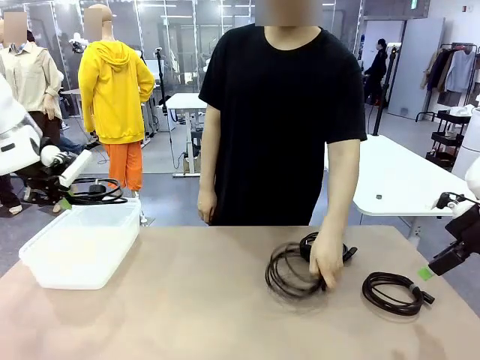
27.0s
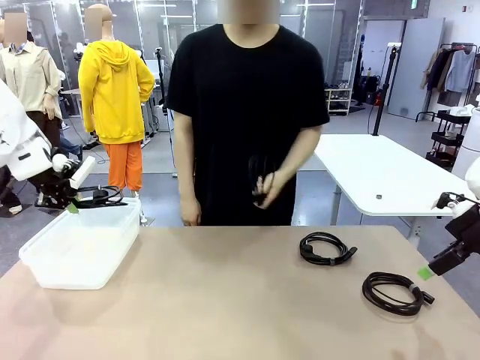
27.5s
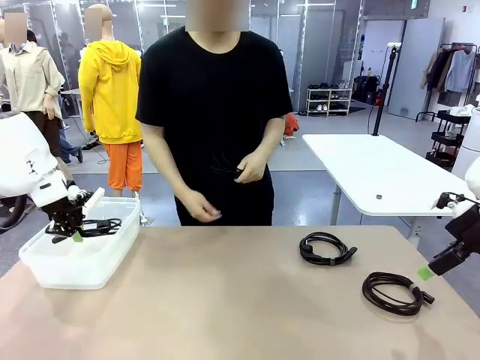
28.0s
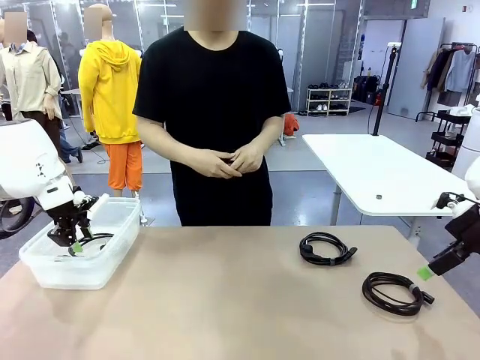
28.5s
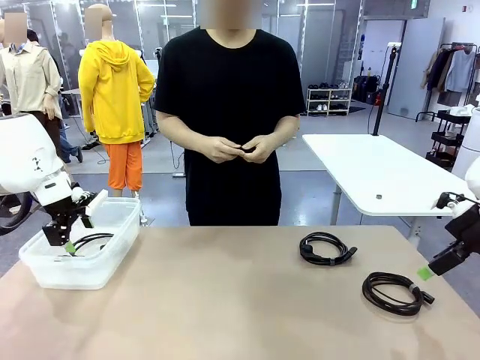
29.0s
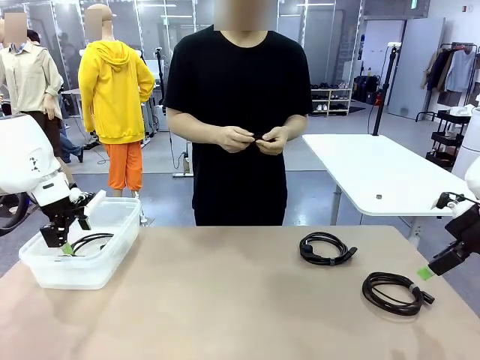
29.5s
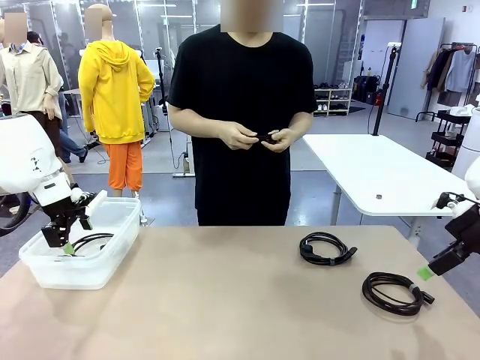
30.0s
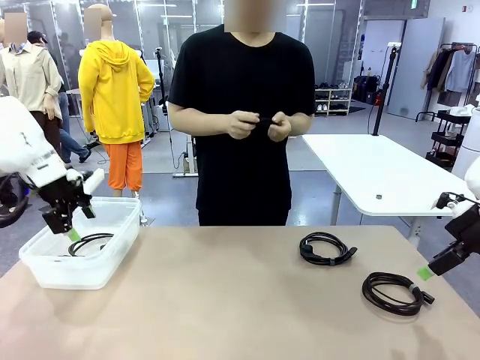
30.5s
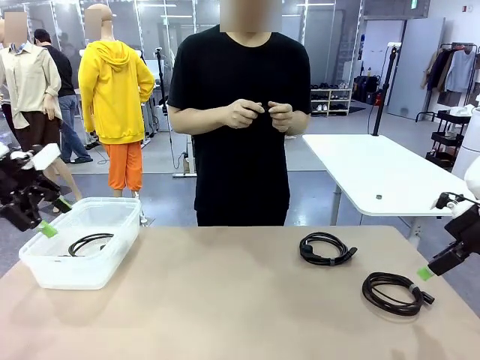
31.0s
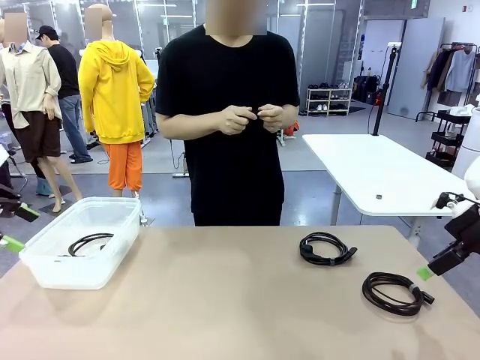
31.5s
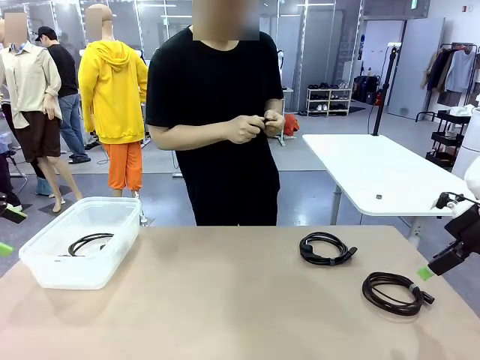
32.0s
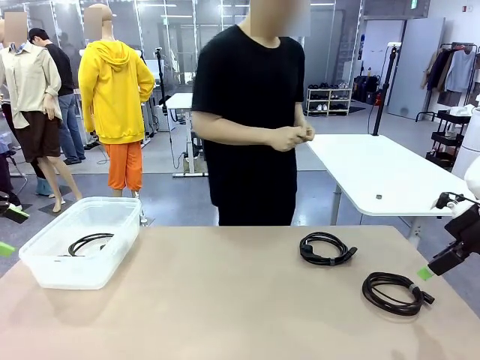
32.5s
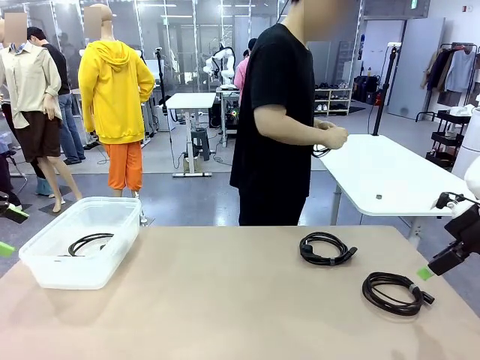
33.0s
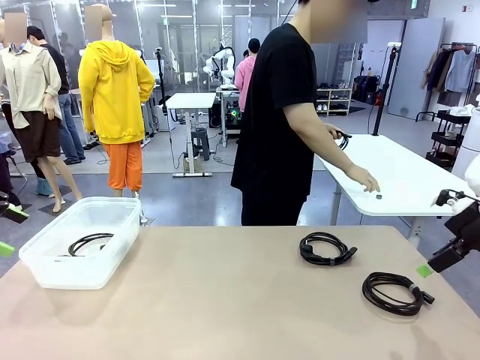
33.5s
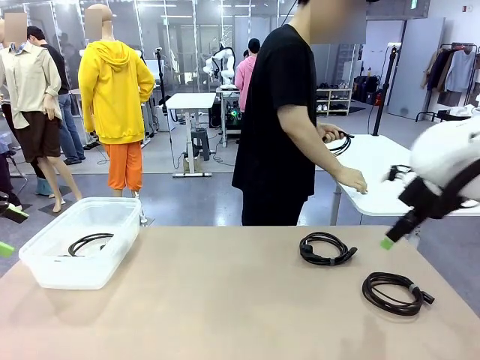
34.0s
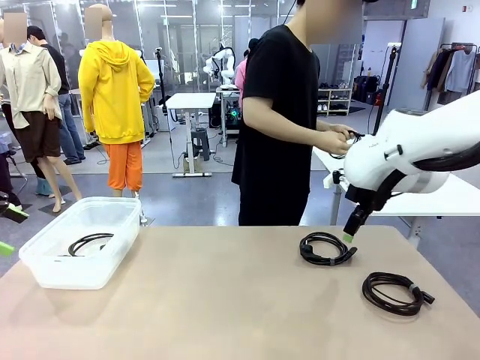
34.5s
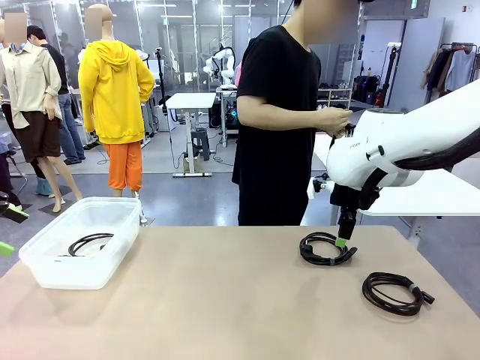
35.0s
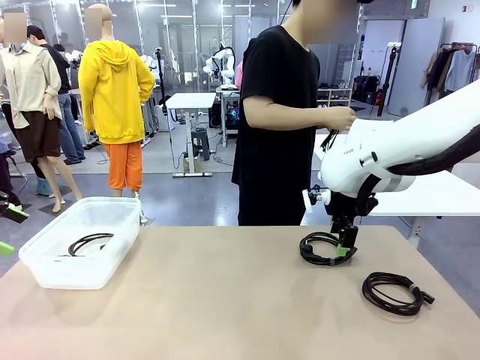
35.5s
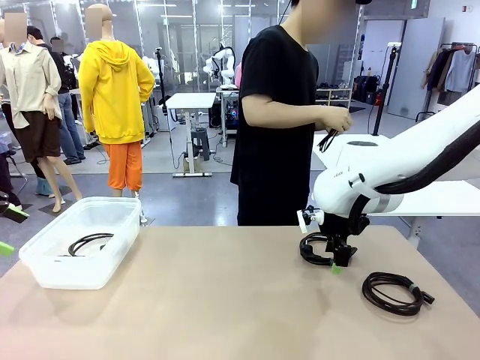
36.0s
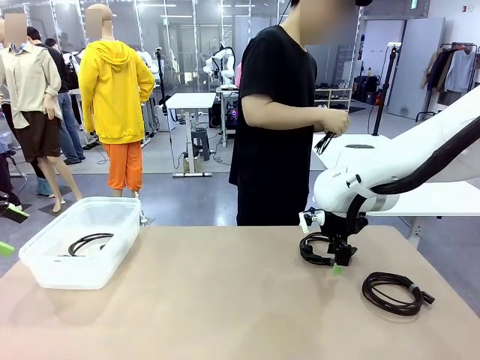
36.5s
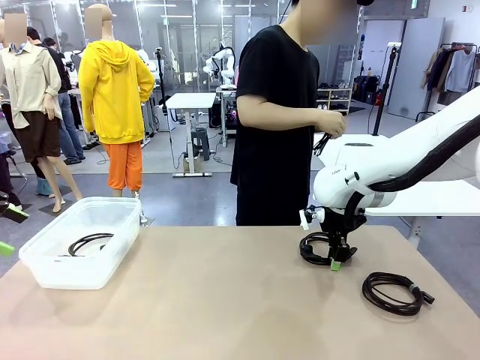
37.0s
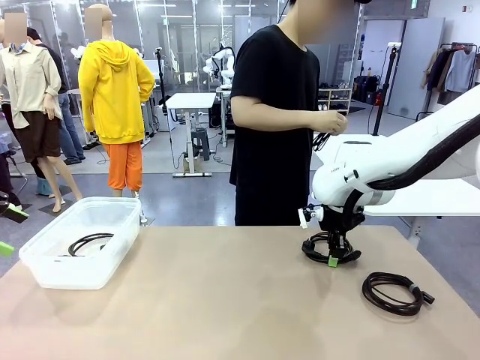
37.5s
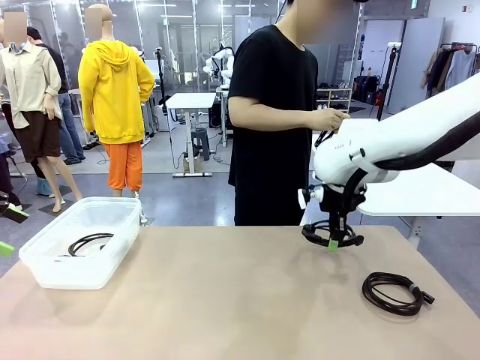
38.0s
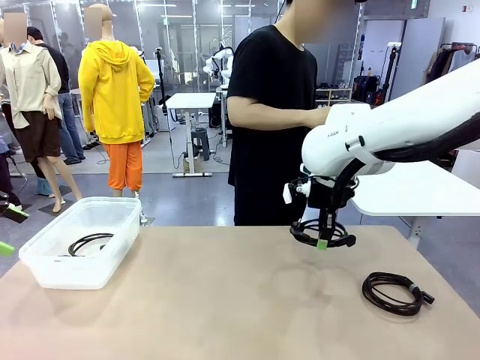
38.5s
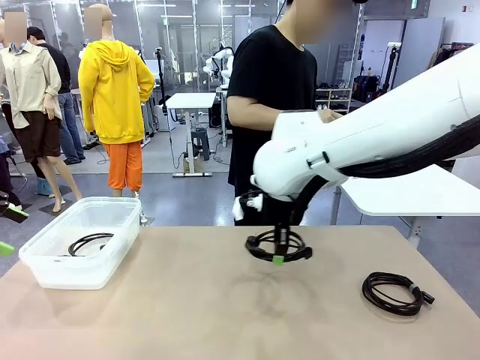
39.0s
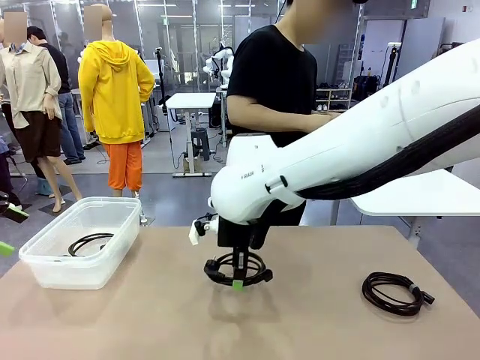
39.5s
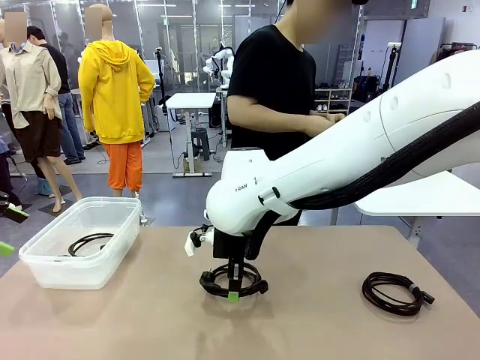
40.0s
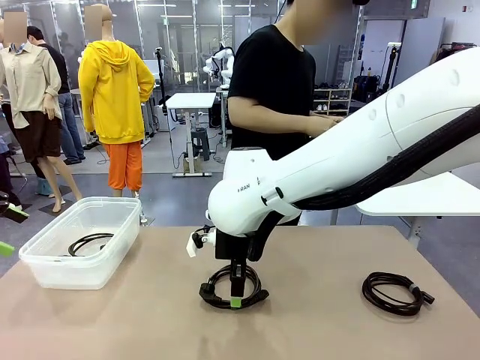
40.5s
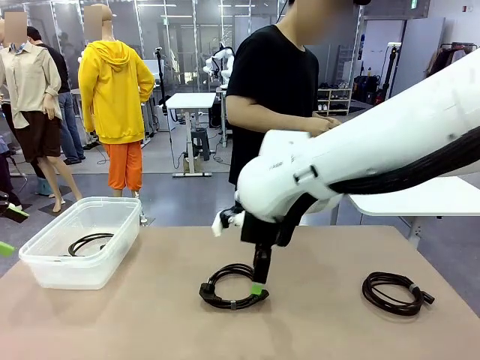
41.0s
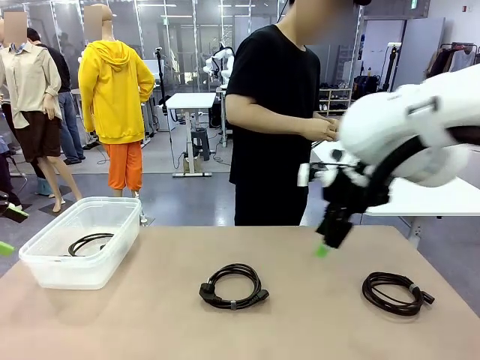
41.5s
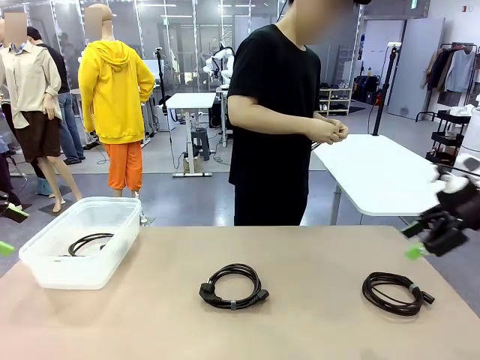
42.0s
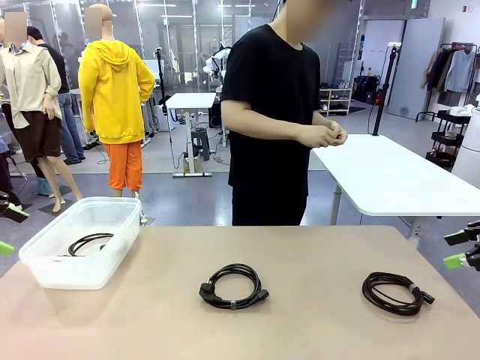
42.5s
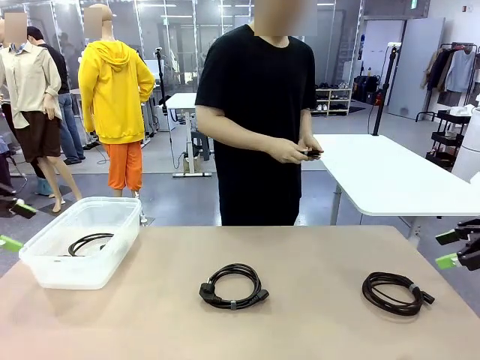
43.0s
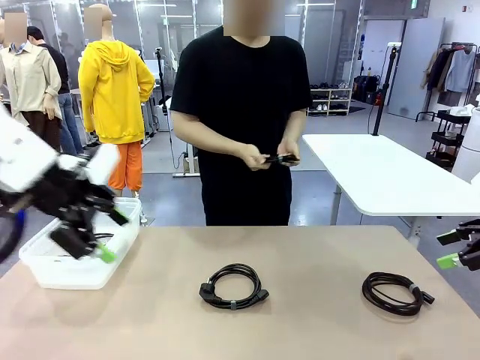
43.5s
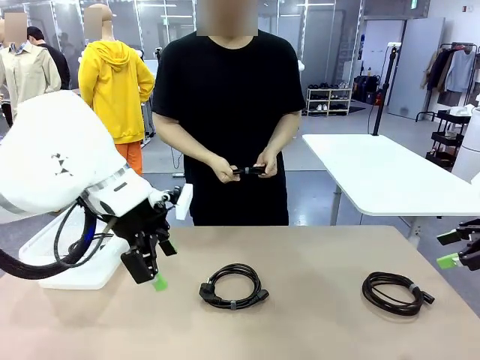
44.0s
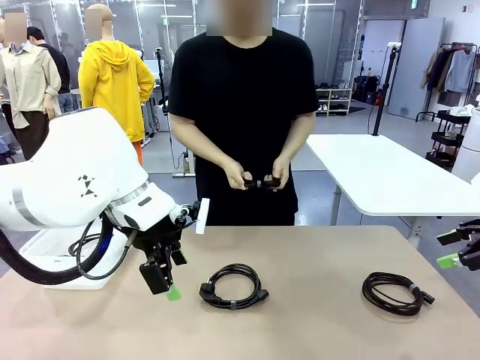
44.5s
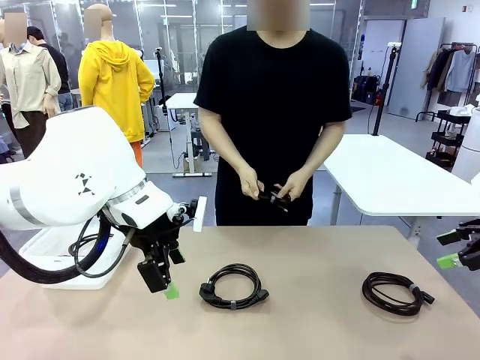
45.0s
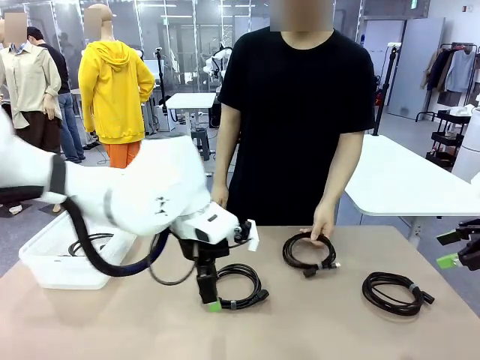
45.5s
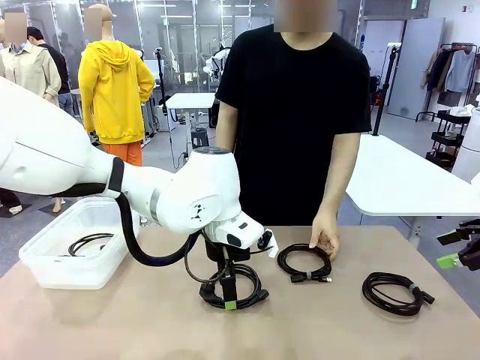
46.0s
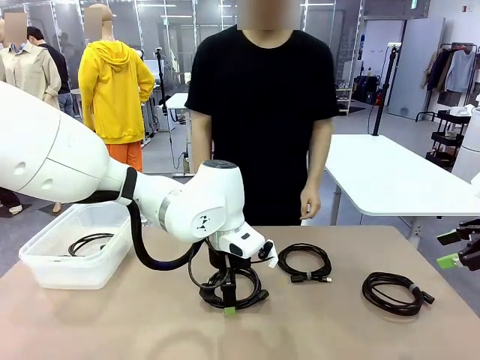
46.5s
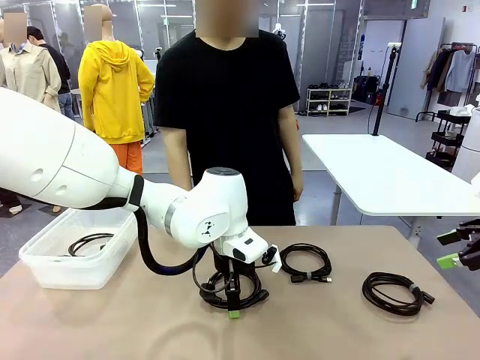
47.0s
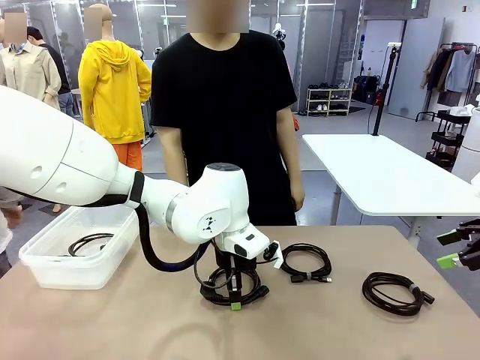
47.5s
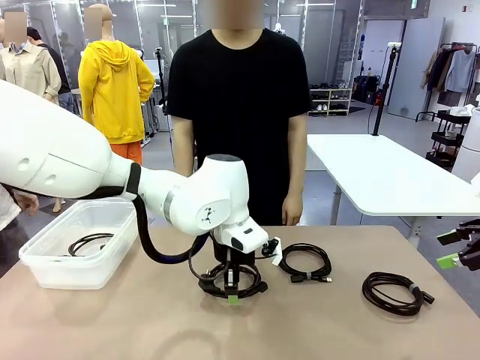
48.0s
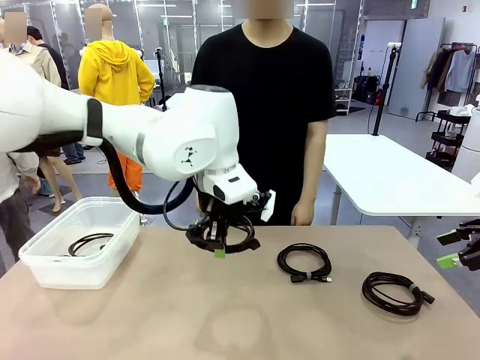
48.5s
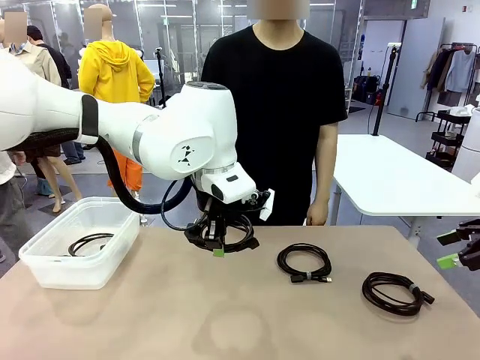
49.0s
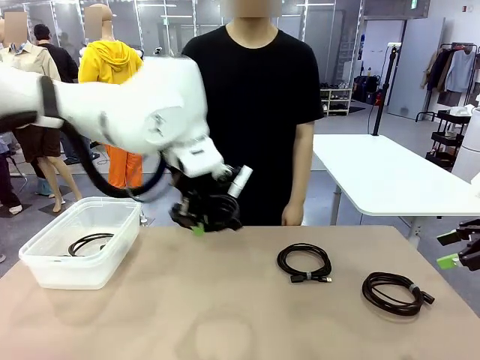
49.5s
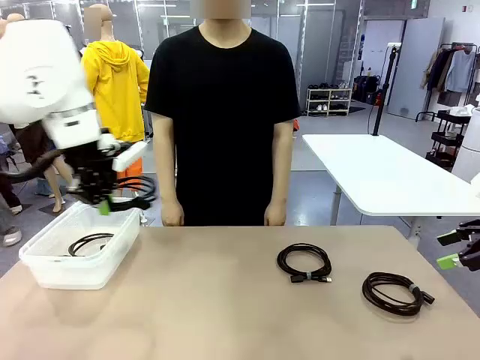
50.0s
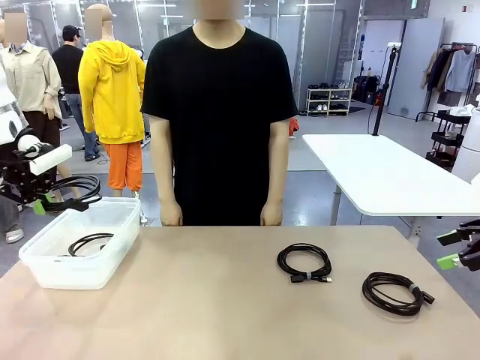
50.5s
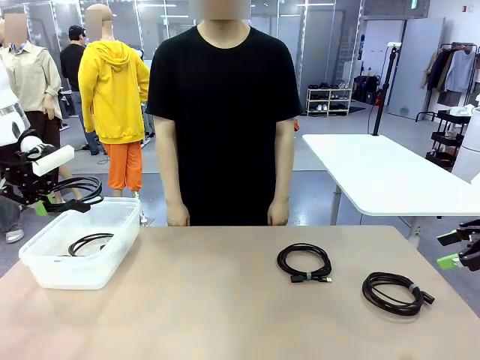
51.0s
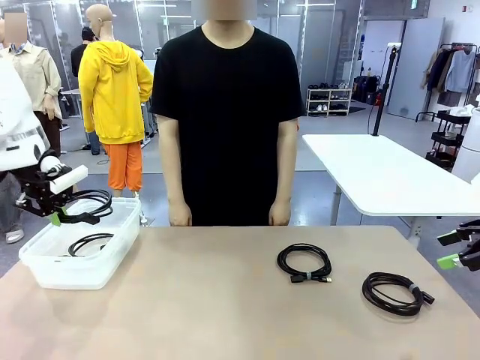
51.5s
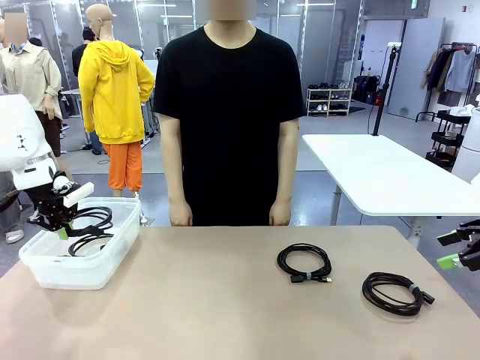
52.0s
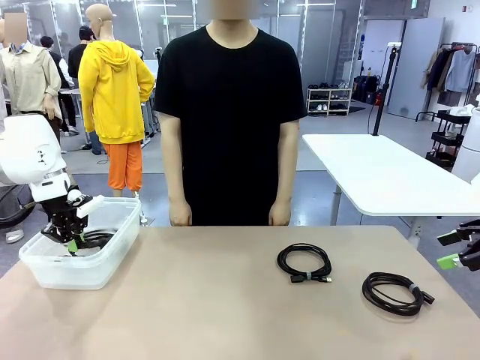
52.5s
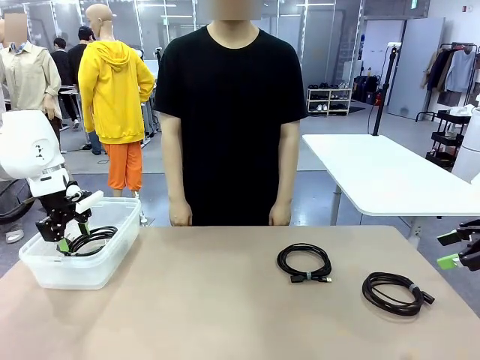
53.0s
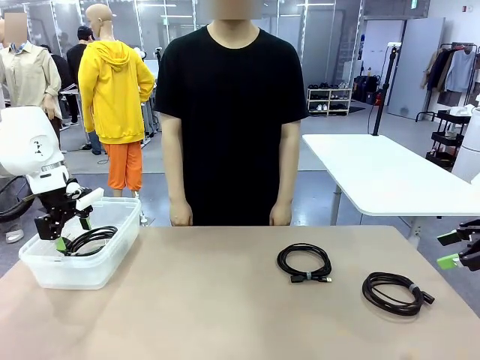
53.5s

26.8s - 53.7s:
Task: Organize and store the cables.
Robot: Place the Power Cable into the Organizing box.
